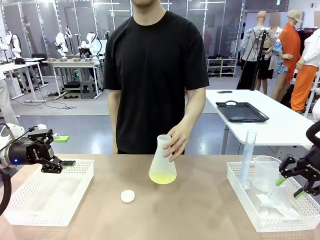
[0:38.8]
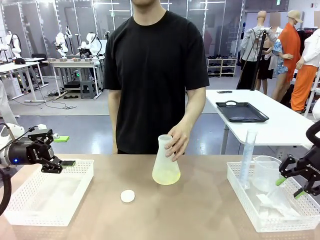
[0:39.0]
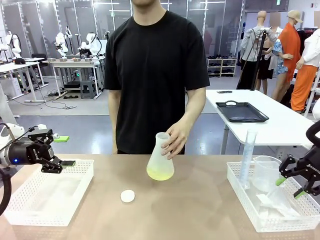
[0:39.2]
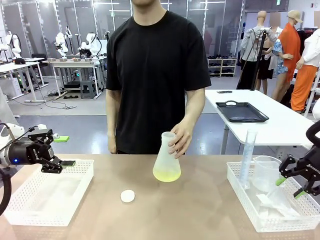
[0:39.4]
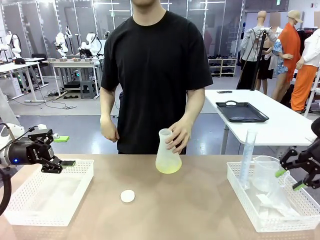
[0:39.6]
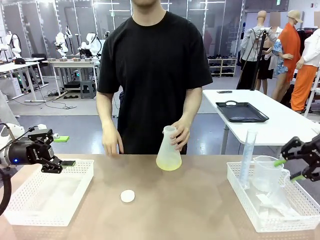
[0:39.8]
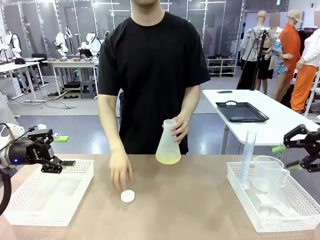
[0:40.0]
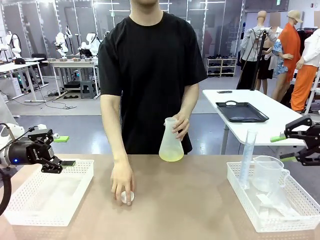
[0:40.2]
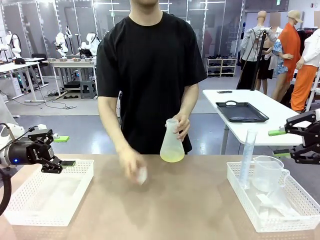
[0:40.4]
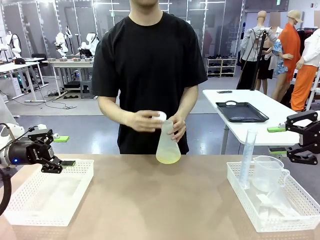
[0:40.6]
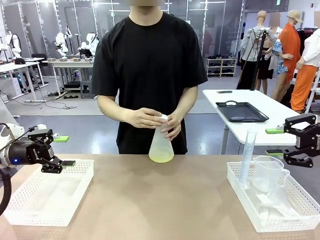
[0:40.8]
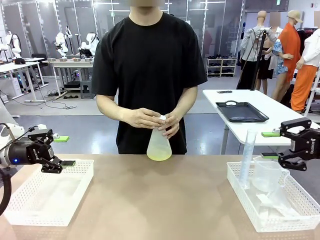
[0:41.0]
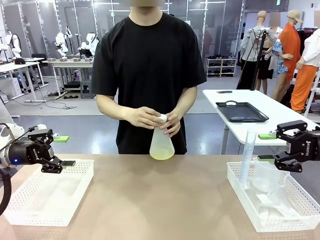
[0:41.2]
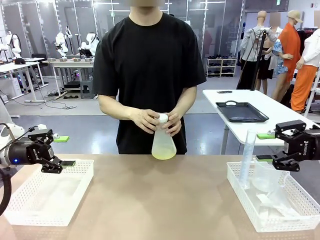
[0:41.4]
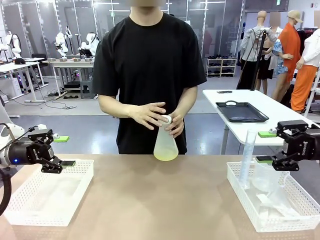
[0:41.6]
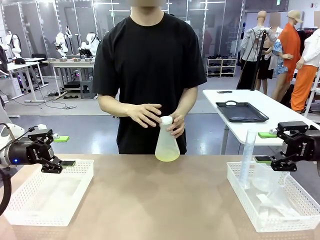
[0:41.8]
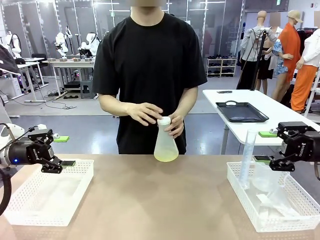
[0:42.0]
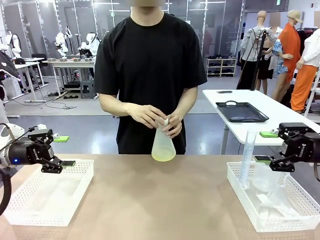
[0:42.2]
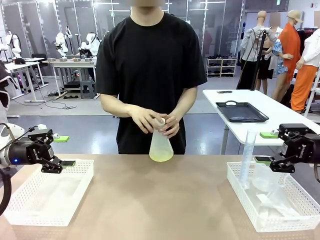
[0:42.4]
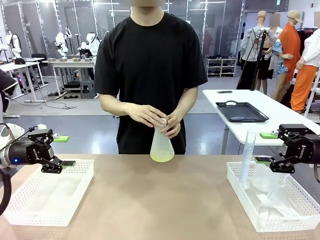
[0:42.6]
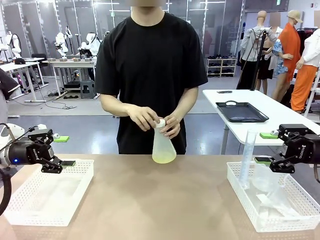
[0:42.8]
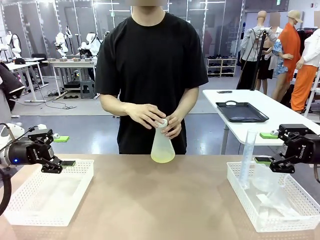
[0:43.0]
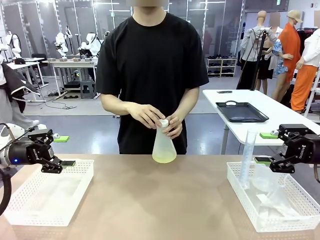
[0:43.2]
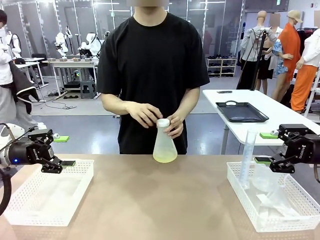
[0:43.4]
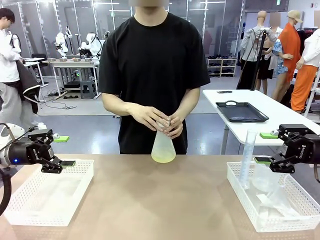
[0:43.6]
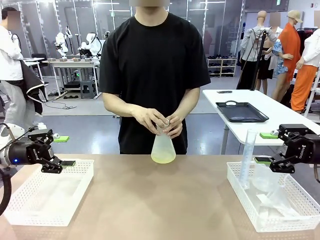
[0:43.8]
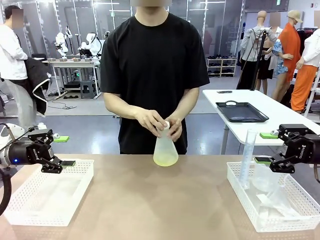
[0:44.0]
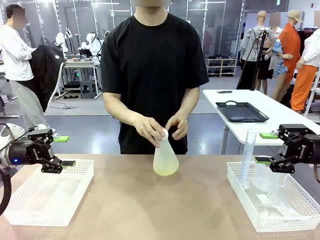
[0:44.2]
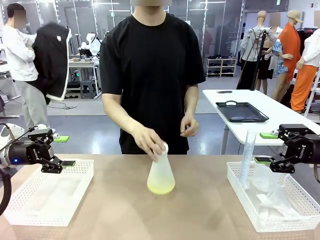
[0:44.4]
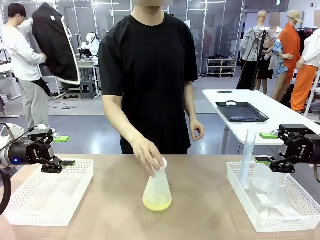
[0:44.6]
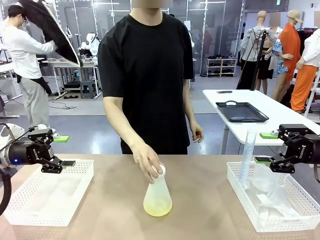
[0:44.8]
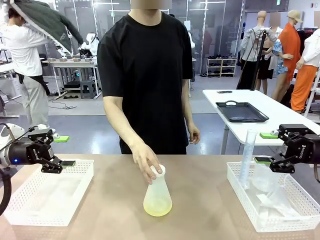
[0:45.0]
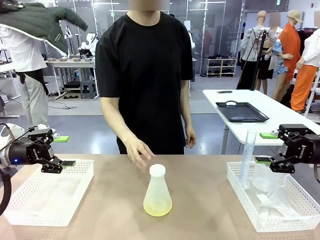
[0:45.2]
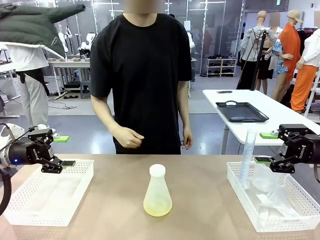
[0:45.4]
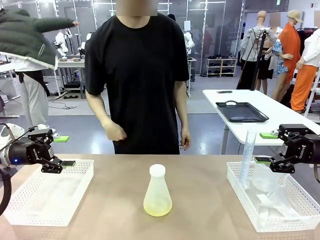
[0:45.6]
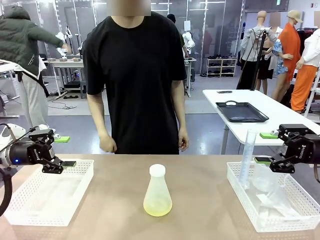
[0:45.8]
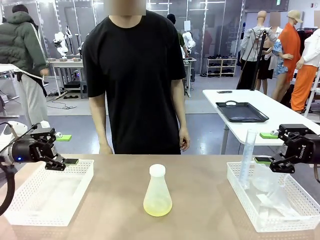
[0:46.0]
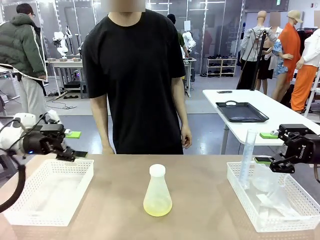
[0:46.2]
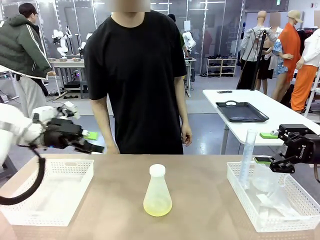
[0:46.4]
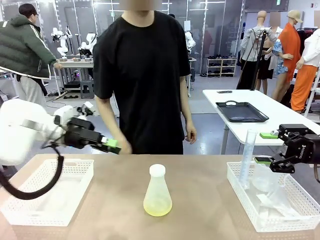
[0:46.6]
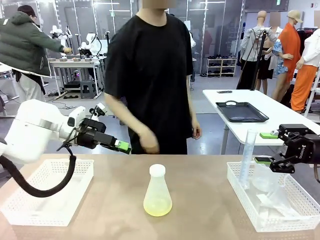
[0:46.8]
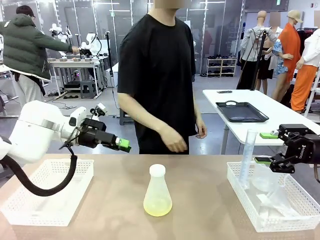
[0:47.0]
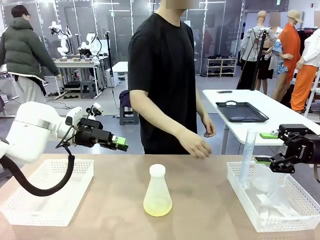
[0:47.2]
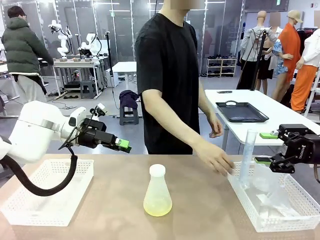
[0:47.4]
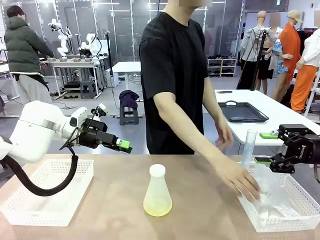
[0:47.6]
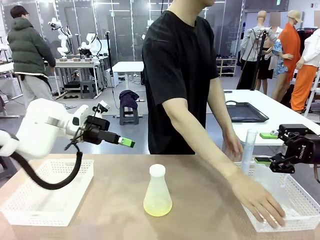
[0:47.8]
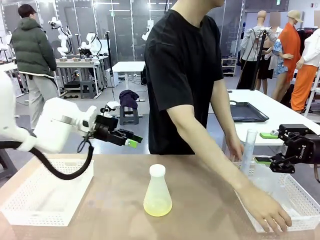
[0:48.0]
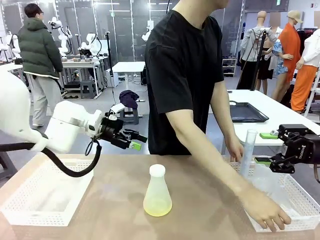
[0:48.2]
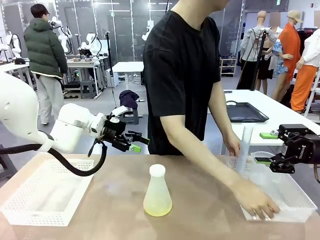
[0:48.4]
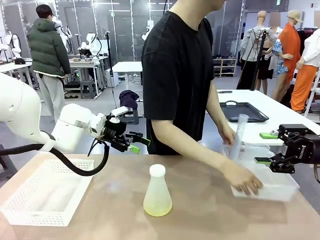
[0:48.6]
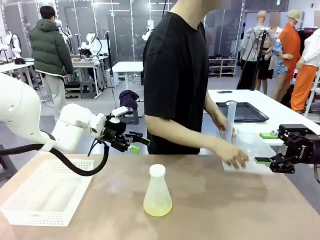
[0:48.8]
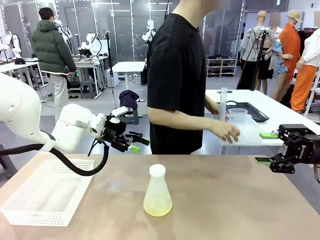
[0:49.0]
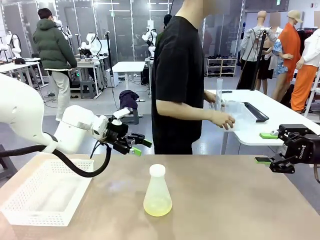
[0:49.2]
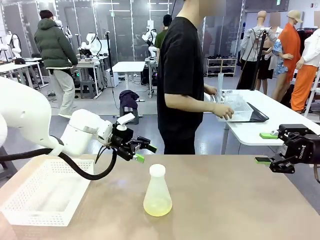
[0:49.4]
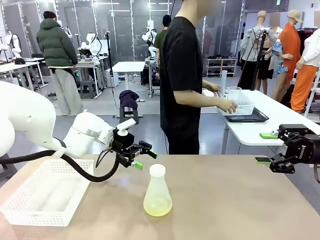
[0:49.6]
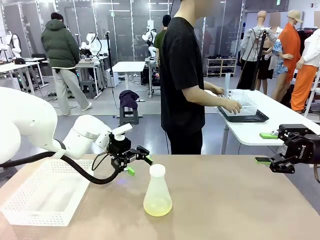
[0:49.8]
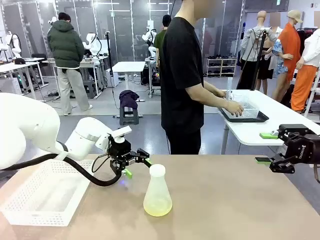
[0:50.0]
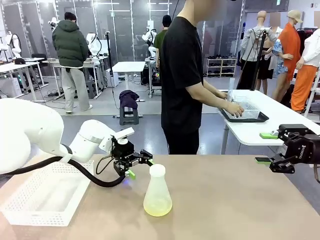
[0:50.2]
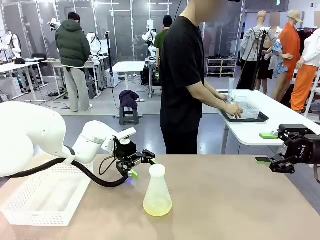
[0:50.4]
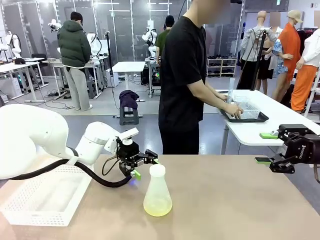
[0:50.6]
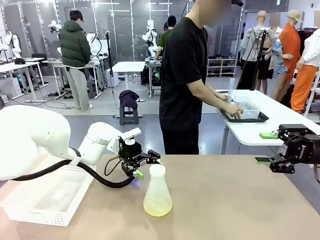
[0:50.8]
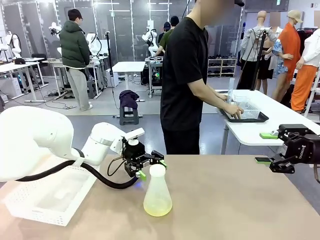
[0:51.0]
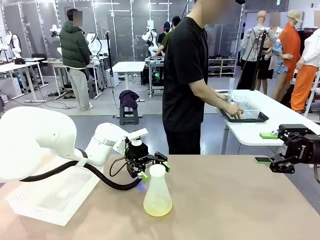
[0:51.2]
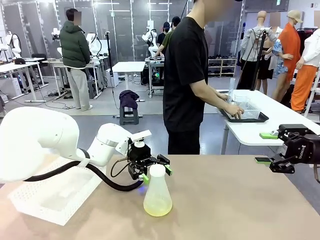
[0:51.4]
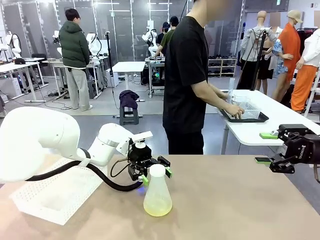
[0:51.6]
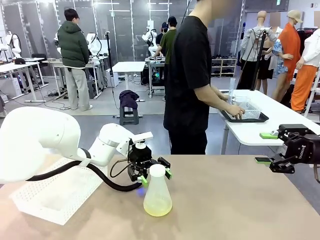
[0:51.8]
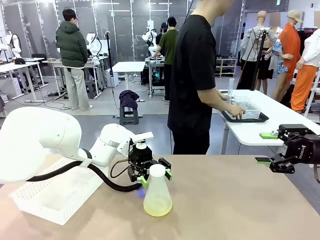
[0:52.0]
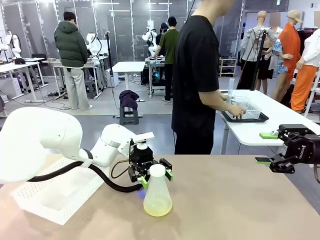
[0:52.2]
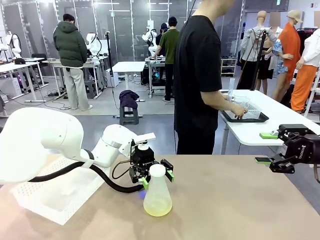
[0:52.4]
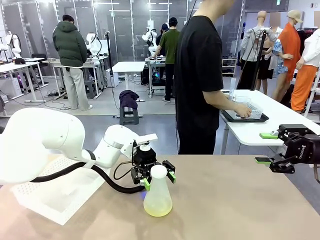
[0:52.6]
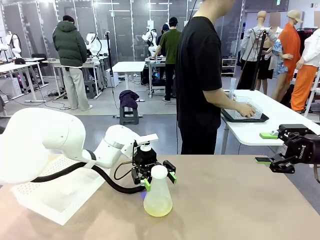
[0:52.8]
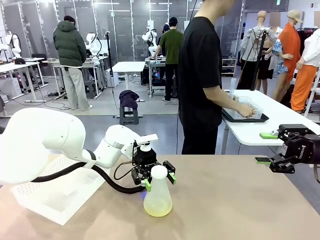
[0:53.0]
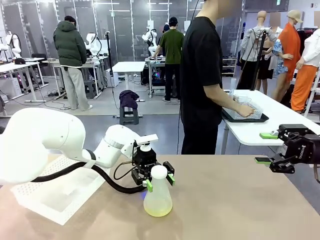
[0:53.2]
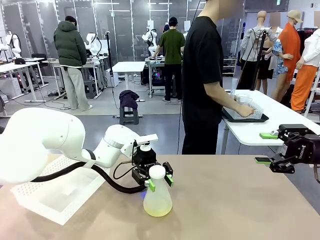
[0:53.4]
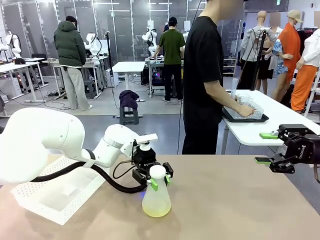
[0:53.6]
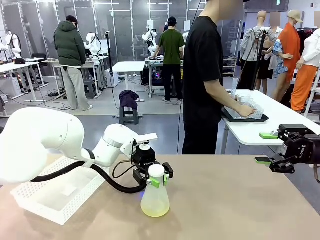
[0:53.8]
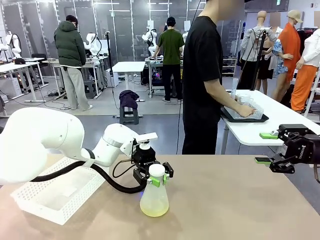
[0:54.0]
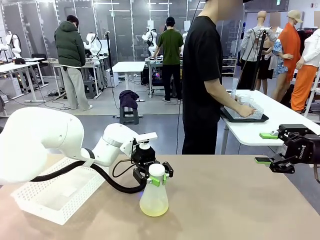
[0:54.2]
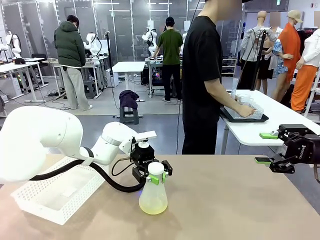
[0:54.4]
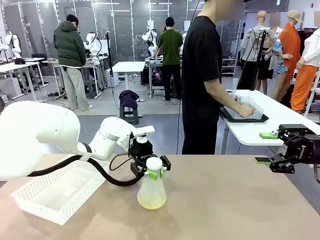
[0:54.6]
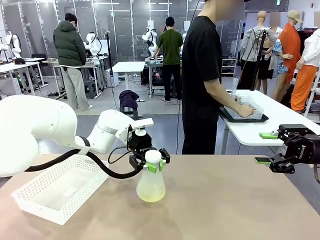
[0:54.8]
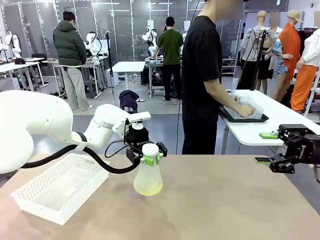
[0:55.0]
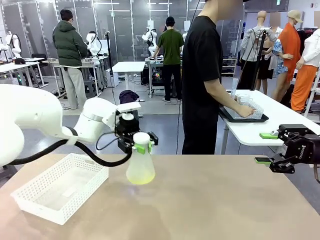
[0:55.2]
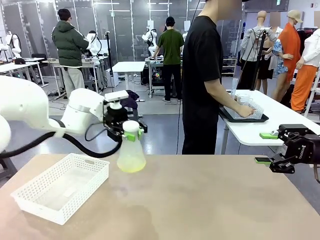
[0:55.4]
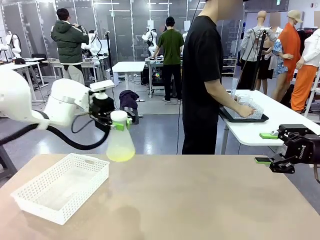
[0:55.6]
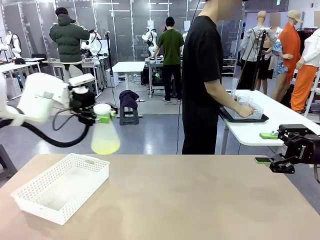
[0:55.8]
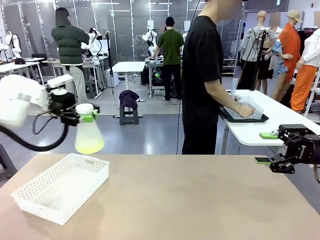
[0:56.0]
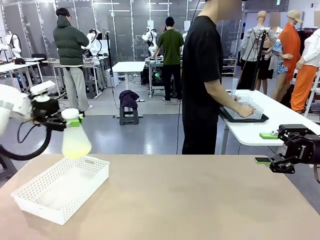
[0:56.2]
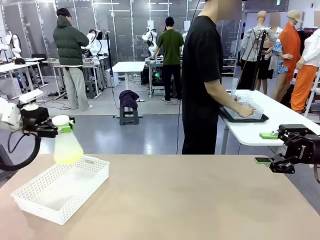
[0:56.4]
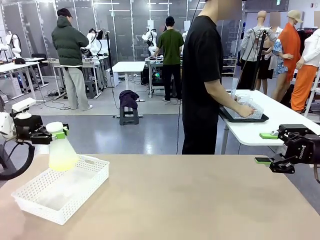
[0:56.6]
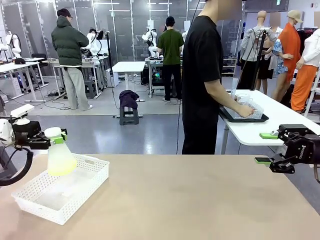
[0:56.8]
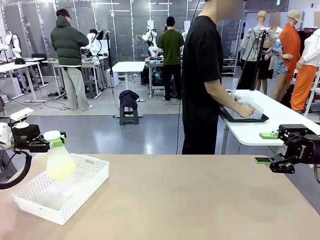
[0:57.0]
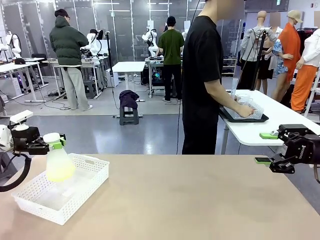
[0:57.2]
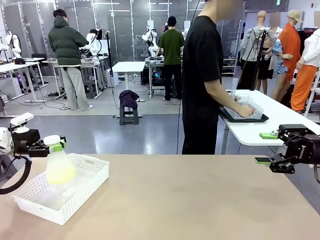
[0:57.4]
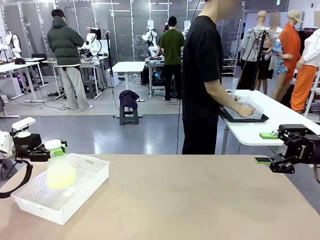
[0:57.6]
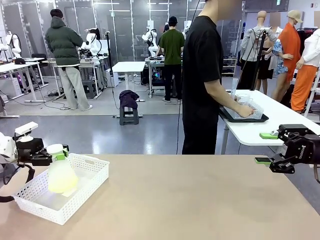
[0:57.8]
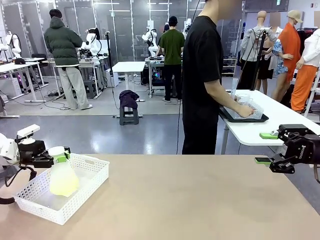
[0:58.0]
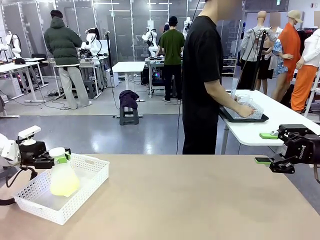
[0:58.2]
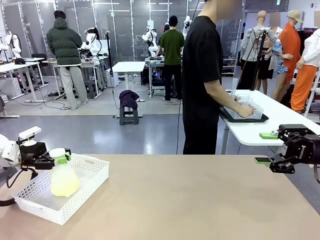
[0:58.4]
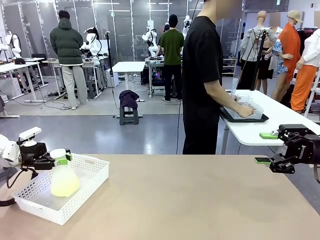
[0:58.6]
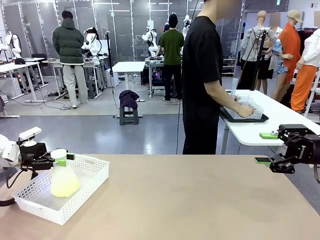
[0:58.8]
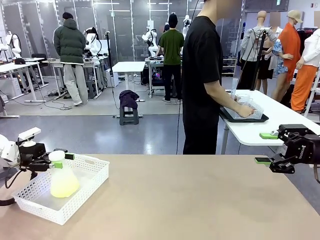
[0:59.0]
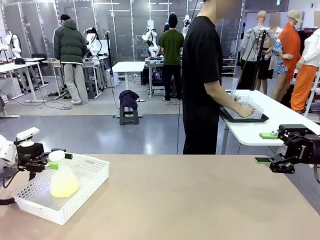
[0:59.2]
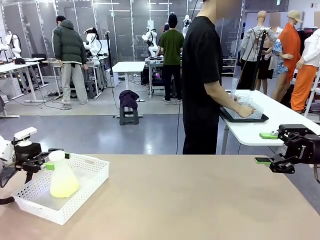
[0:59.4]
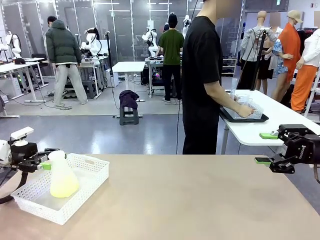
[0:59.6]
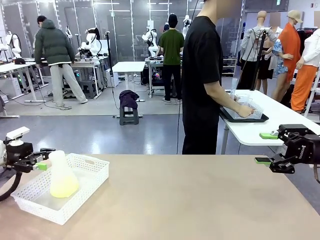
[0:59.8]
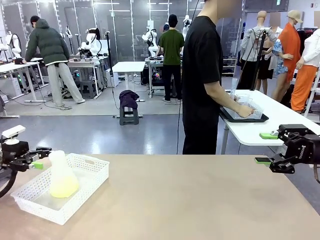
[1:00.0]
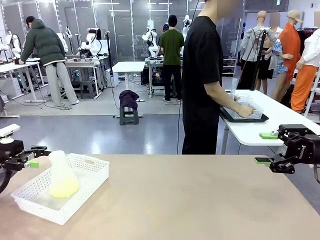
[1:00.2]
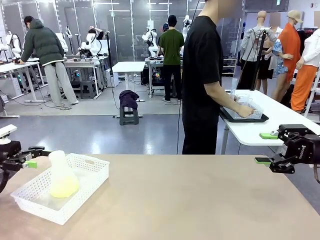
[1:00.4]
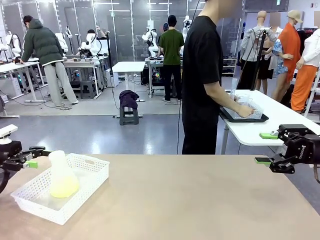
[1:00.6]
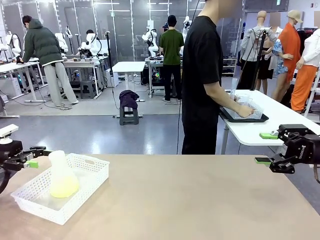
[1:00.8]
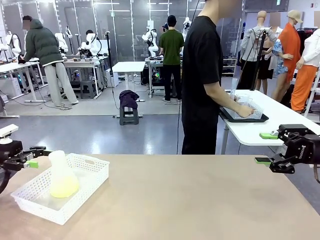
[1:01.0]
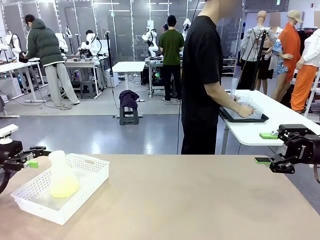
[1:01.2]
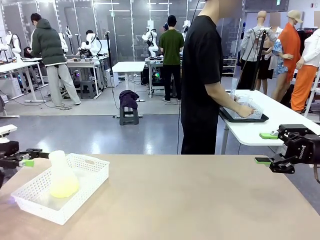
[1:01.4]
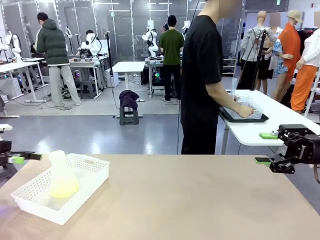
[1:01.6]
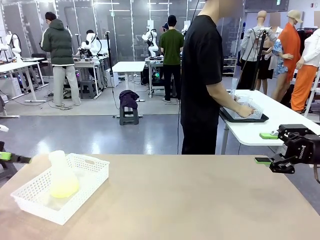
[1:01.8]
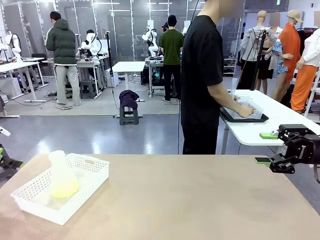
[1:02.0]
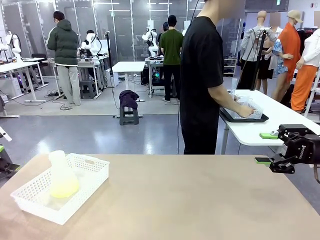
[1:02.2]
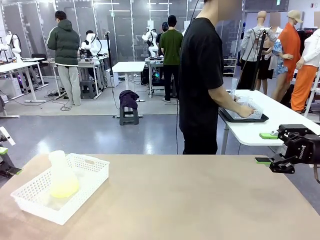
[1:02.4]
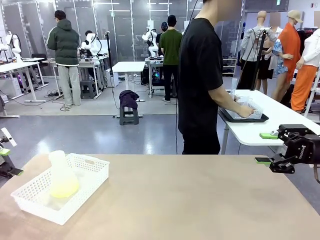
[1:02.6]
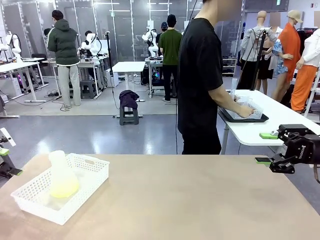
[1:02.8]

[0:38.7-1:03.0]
Task: Prepare the solutions needed for the experiment.
Robot: When the human places the Big flask in the center of the table, pick up the Big flask and place it in the left Organizing basket.
Person: Pick up the flask, gently shake it 2–3 times, place it in the middle of the robot table, and close the lid. Pick up the organizing basket on the left side of the robot table and place it on the left side of the human table.
